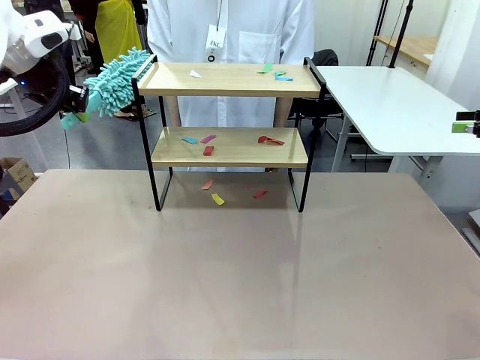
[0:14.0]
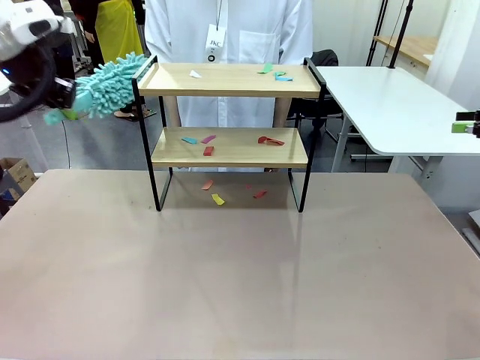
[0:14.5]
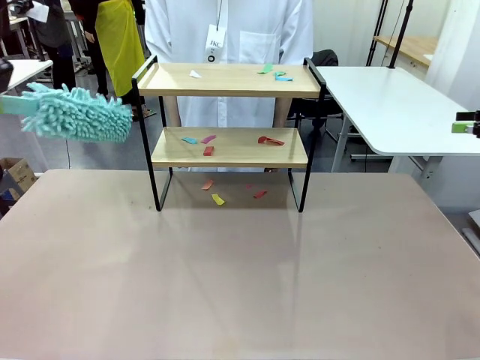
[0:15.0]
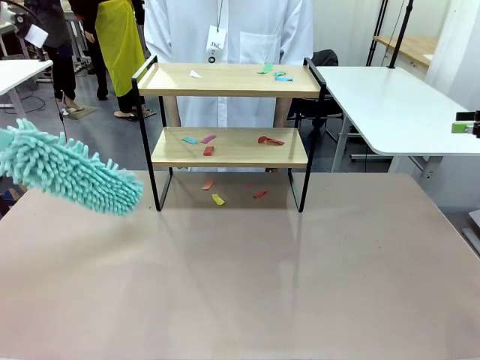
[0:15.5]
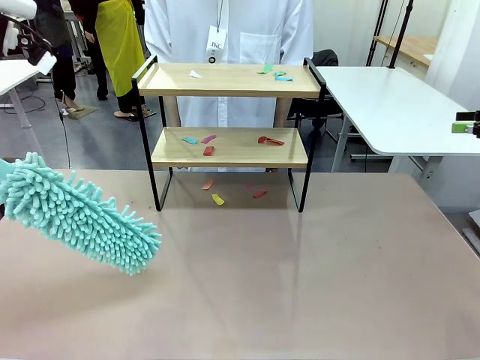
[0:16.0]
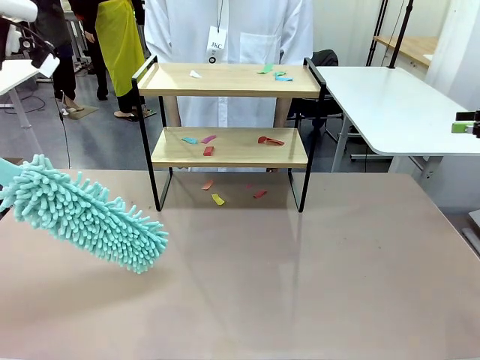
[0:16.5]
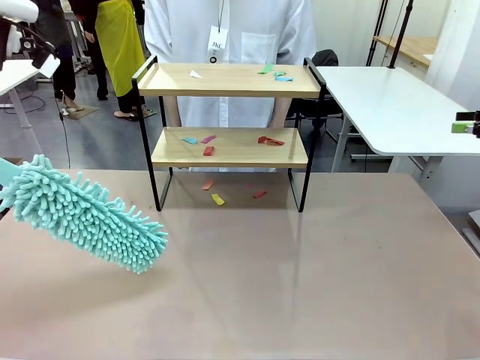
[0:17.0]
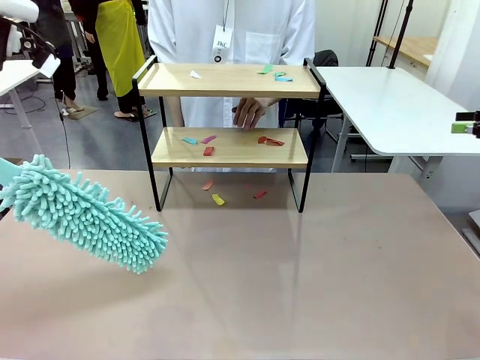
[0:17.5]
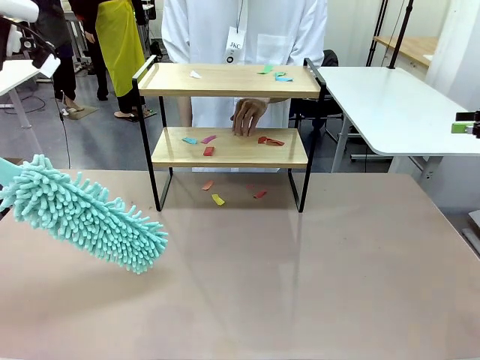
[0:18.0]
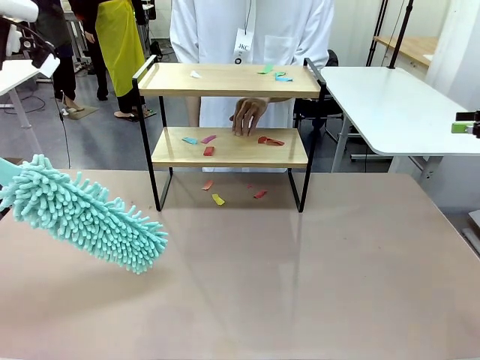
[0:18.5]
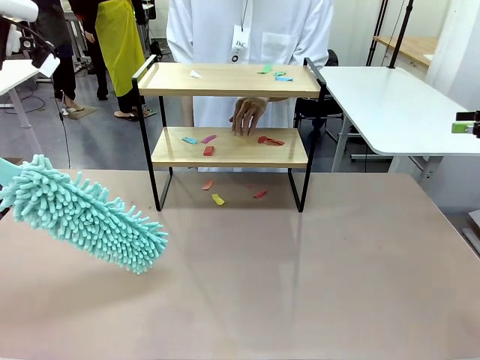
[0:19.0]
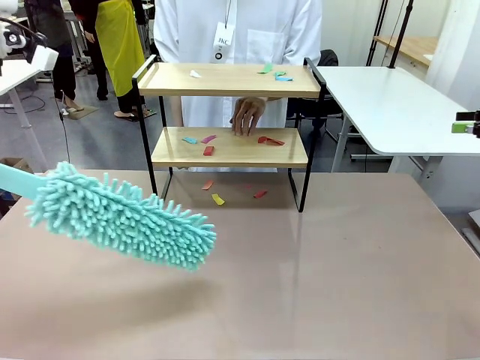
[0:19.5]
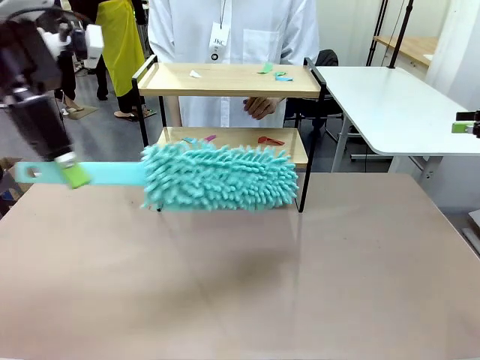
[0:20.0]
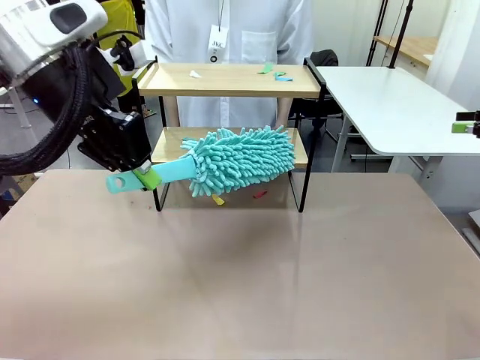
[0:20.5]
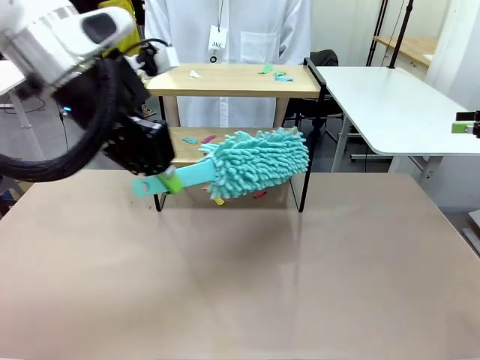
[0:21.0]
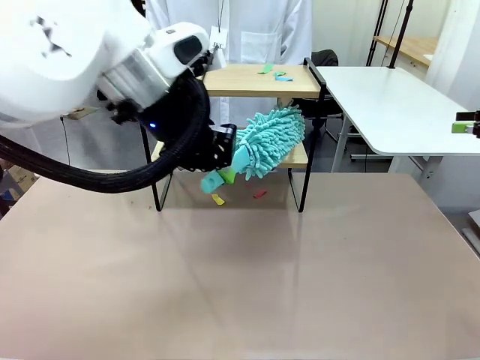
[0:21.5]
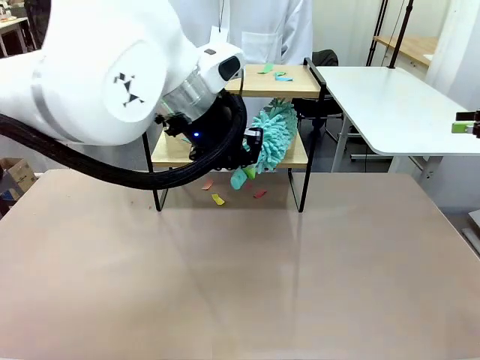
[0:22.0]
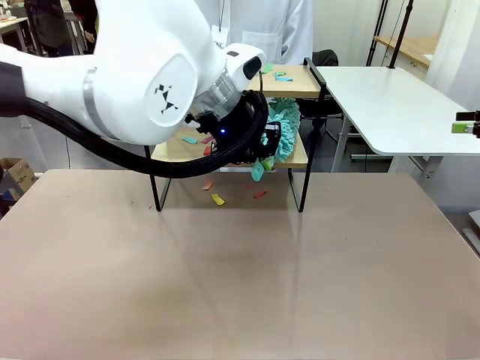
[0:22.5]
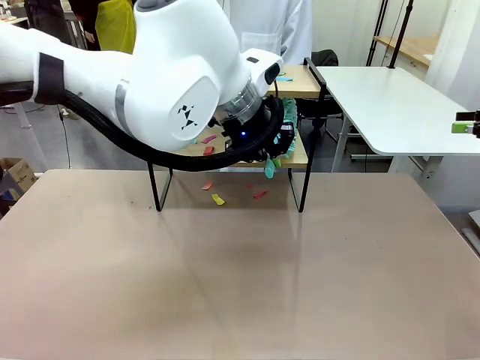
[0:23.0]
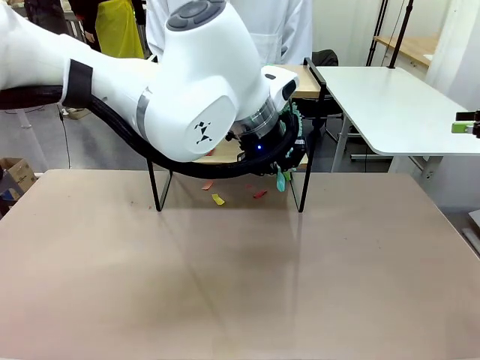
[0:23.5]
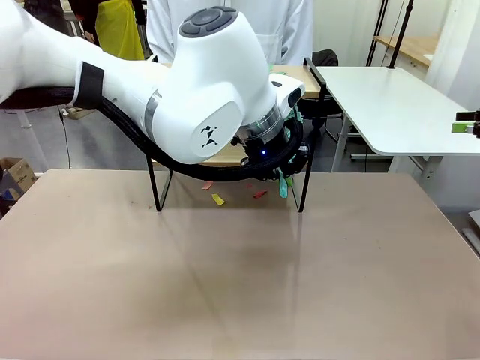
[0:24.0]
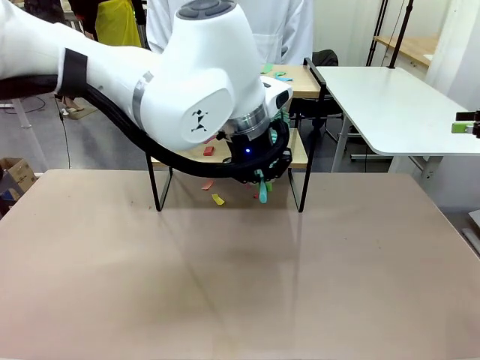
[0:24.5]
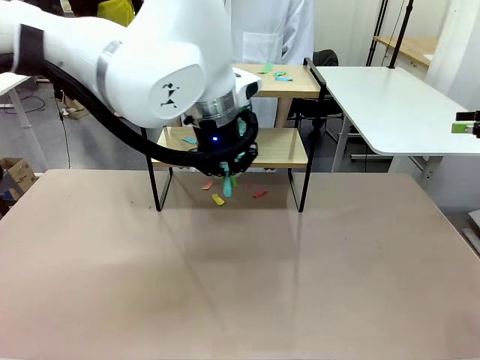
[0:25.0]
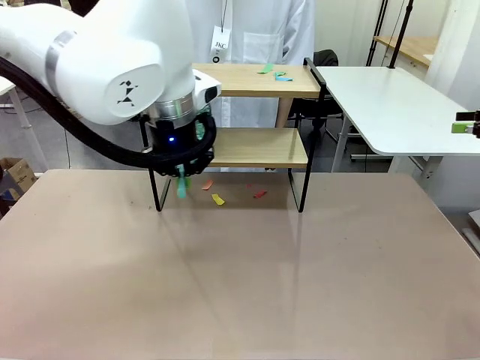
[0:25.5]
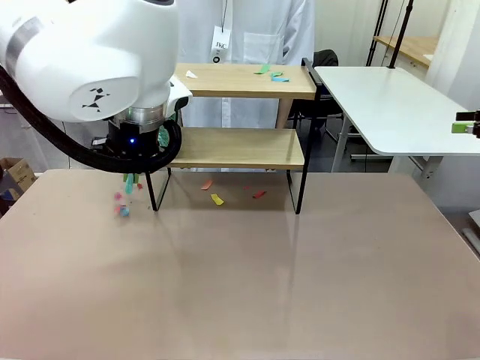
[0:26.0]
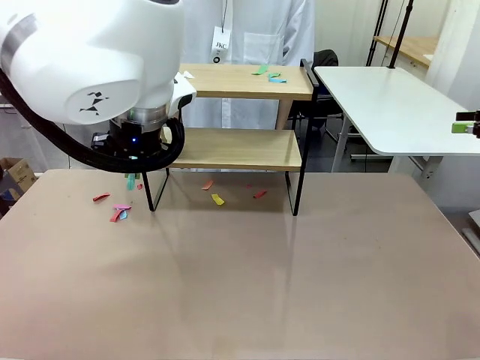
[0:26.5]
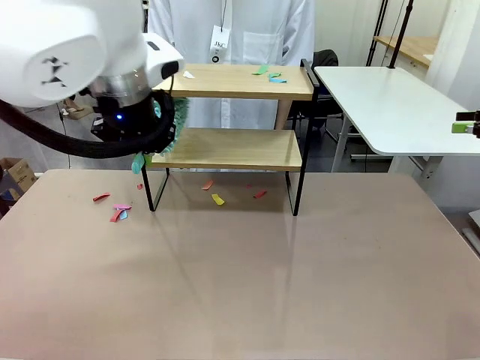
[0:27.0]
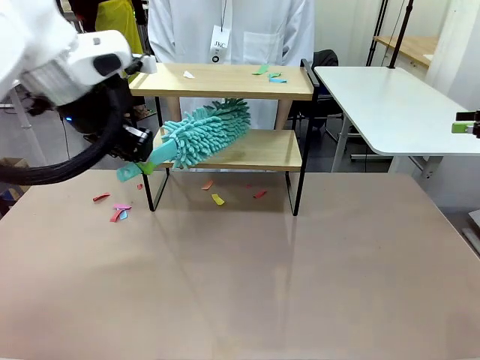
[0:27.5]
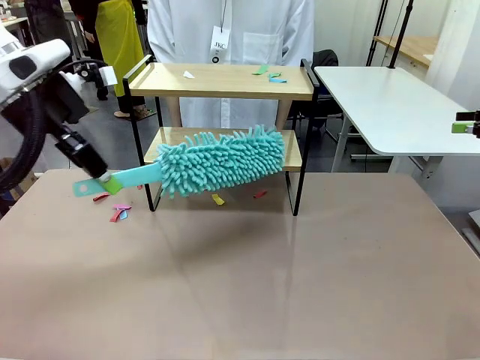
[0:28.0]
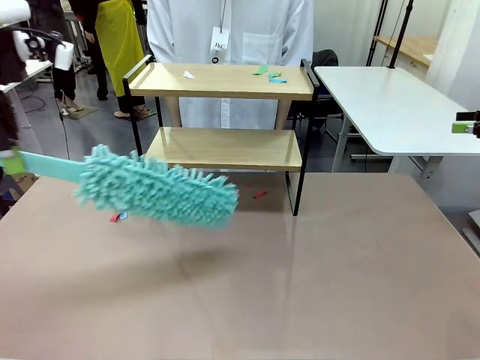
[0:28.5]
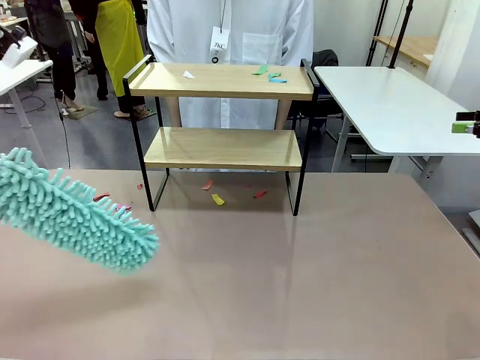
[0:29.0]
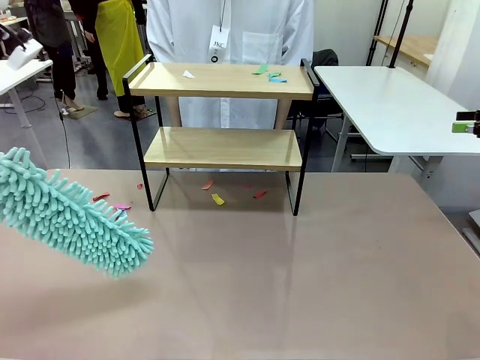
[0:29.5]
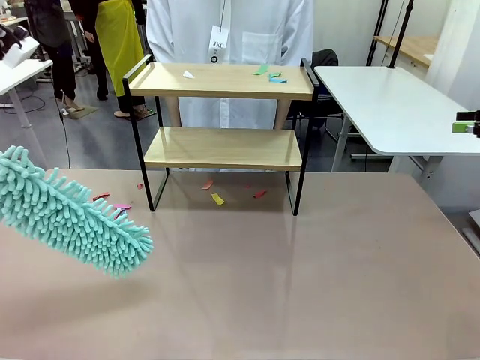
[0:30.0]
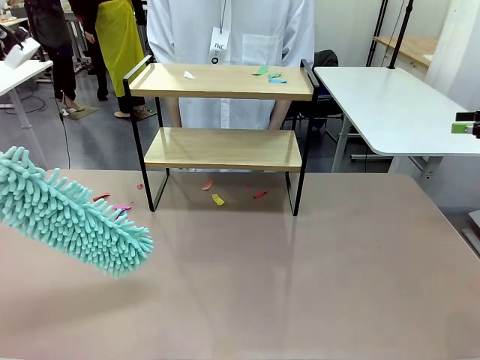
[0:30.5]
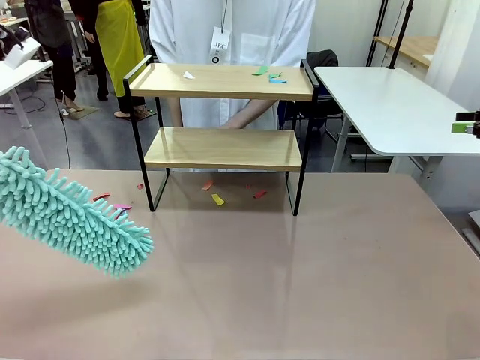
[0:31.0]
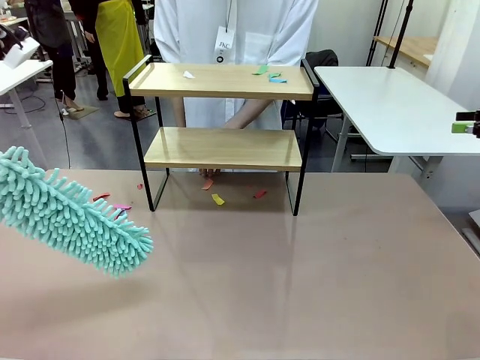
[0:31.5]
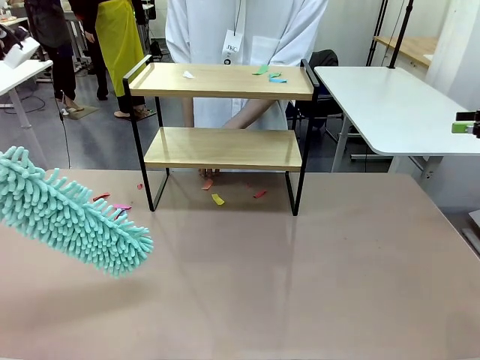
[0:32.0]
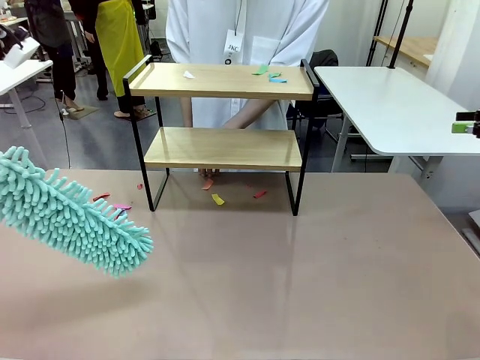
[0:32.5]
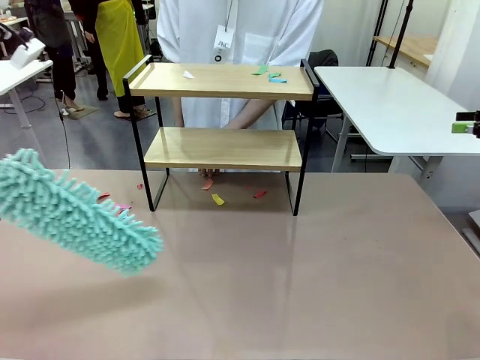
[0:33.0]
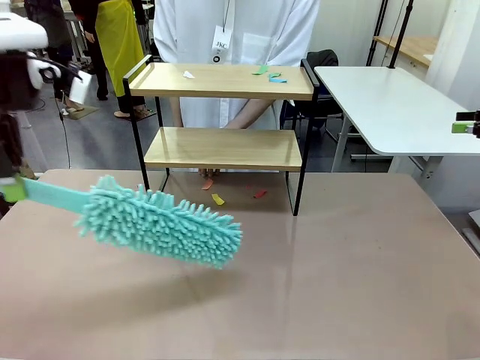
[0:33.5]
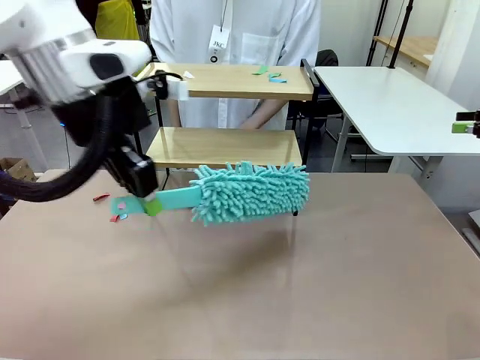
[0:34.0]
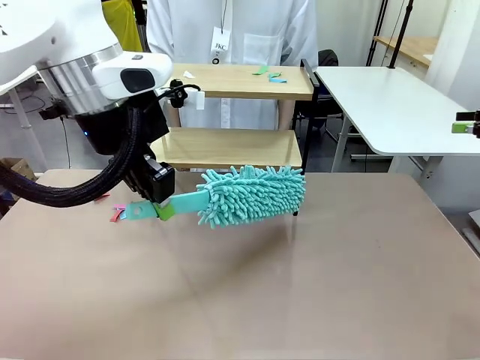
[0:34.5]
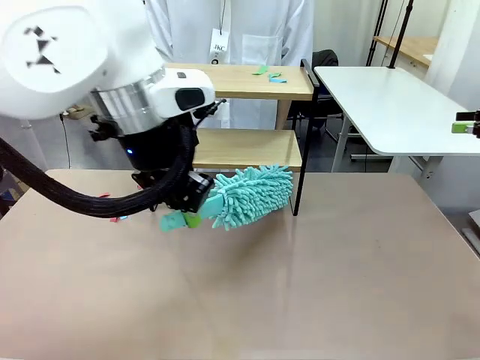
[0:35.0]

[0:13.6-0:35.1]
Task: Clean the shelf.
Robot: Clean the specific section of the Shelf indicated by the human with the Duster.
Person: Point a random section of the Shelf.

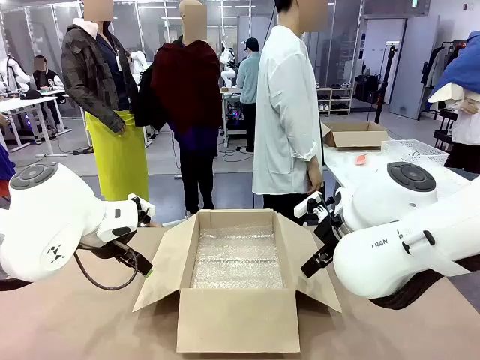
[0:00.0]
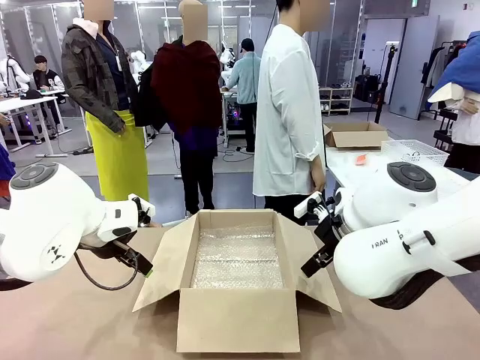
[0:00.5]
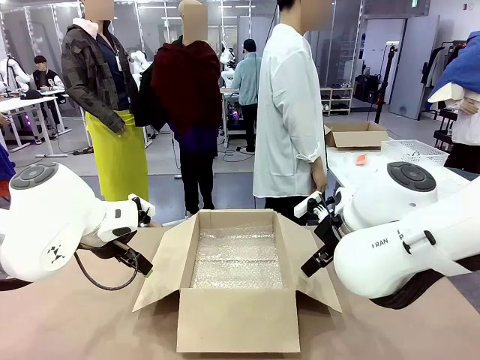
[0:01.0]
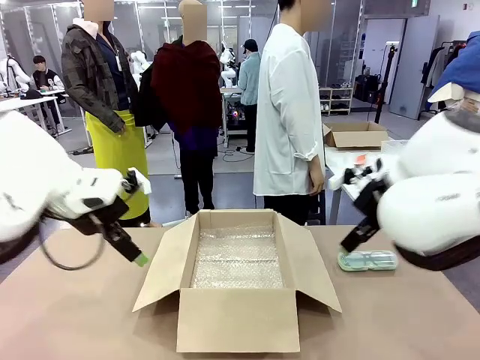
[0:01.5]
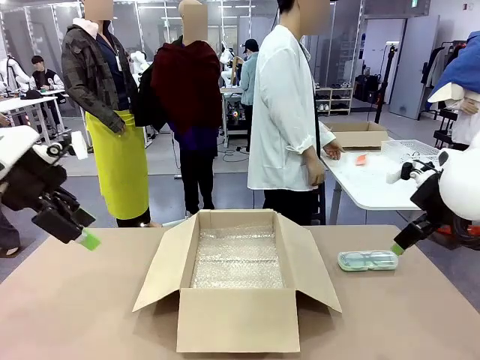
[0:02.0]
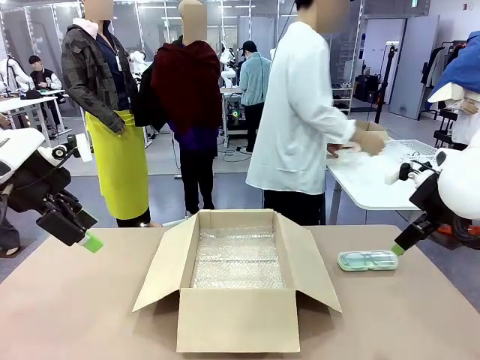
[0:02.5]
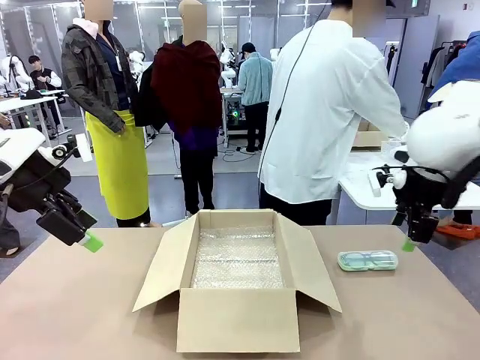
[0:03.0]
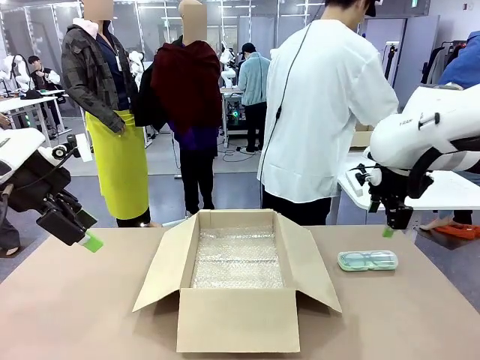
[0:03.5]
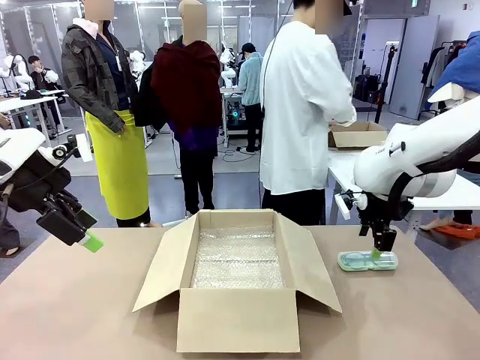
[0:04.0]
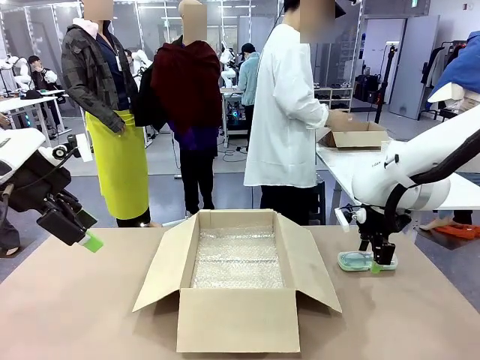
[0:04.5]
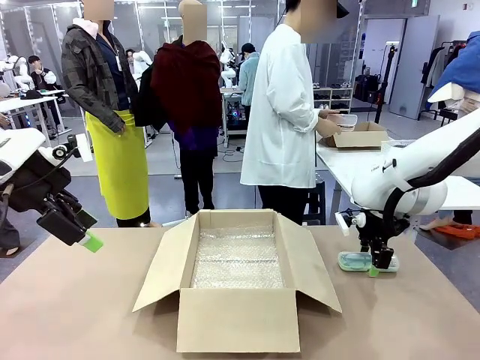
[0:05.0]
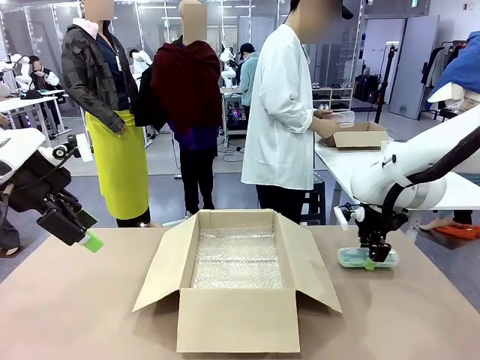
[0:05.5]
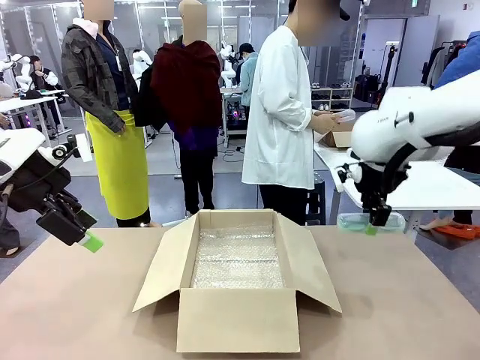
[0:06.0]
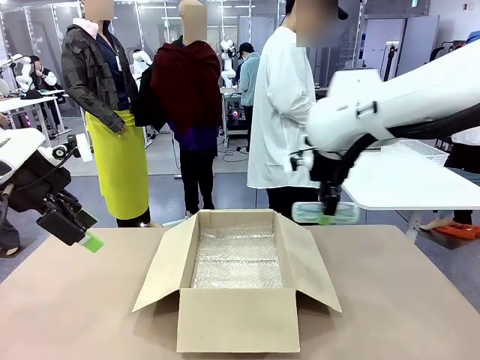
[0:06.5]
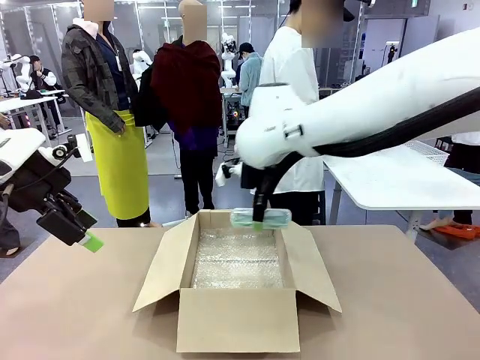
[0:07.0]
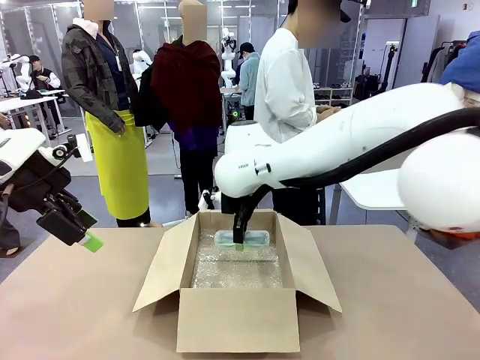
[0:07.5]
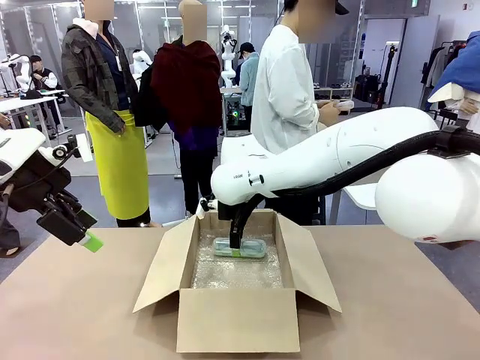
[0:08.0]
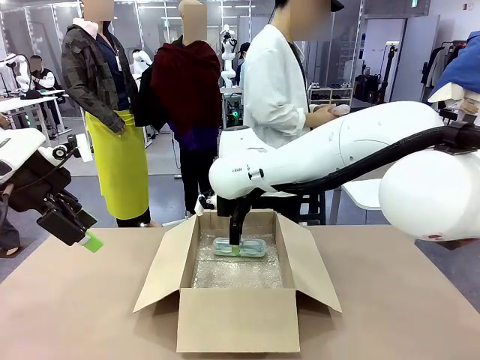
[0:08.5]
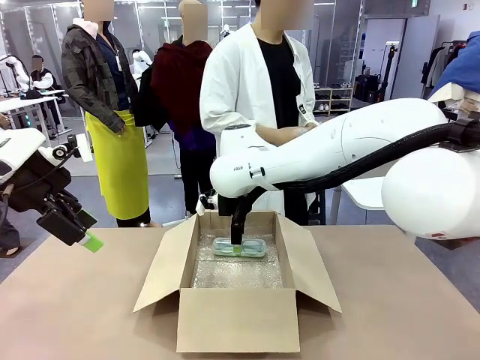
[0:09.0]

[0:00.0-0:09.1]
Task: Pack the glasses set securely to prepare it for shipping.
Robot: Place the Glasses case inside the Package Box.
Person: Place the Glasses inside the Glasses case.
